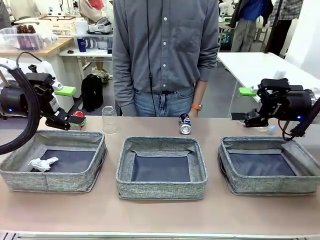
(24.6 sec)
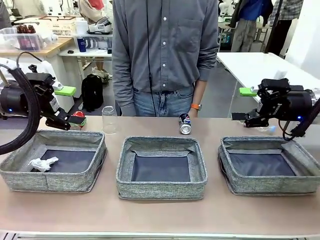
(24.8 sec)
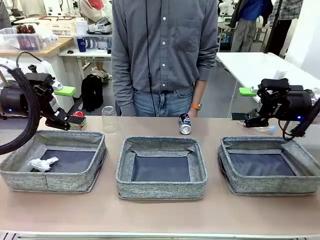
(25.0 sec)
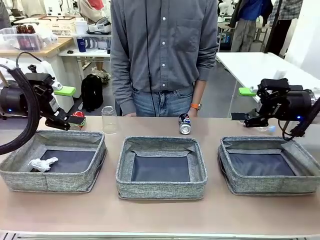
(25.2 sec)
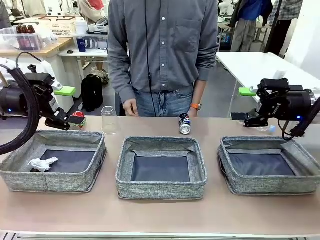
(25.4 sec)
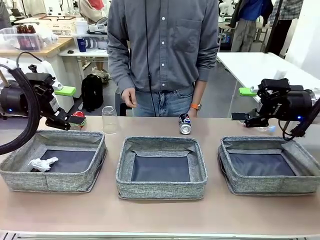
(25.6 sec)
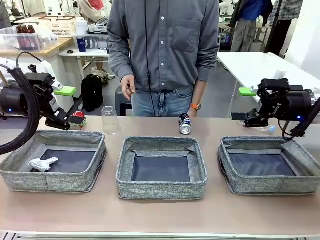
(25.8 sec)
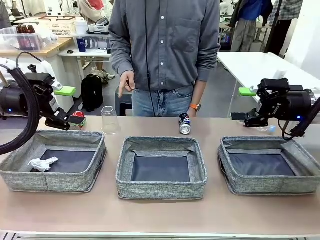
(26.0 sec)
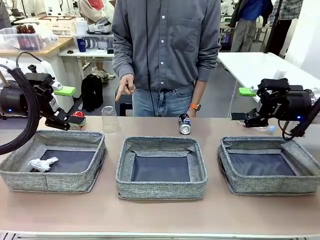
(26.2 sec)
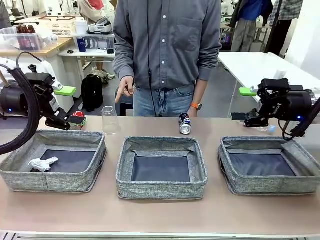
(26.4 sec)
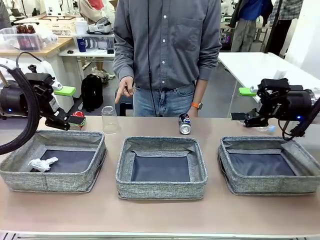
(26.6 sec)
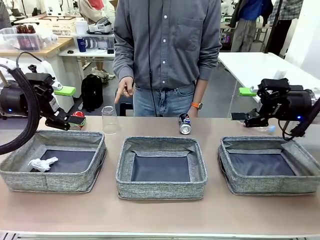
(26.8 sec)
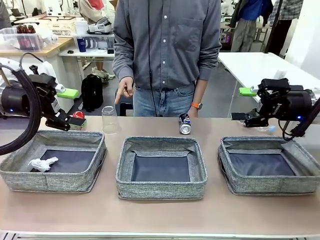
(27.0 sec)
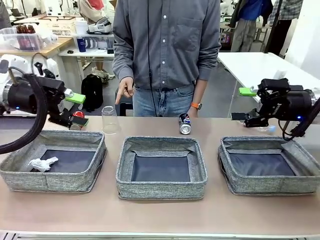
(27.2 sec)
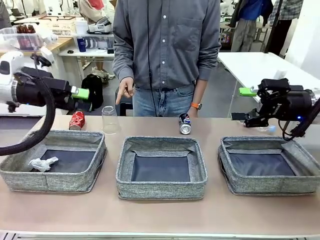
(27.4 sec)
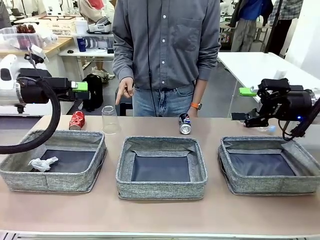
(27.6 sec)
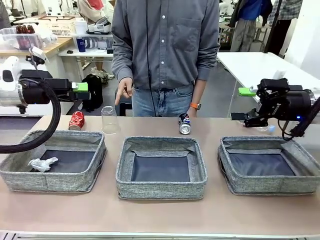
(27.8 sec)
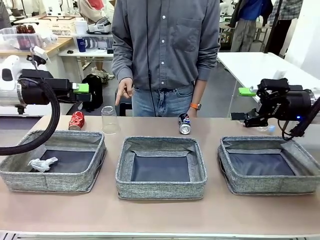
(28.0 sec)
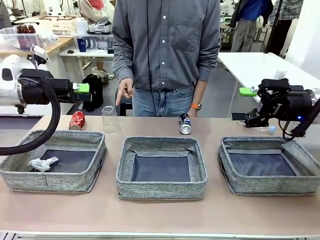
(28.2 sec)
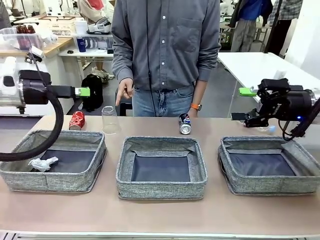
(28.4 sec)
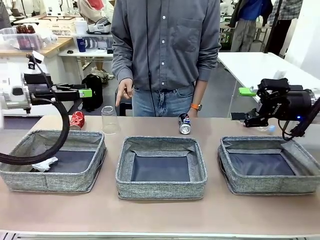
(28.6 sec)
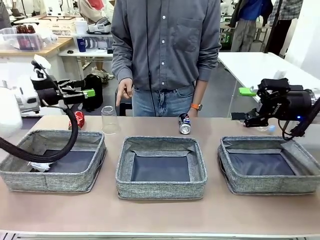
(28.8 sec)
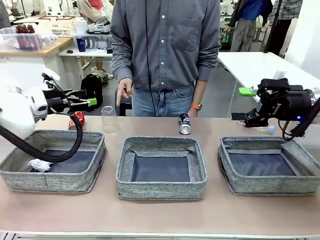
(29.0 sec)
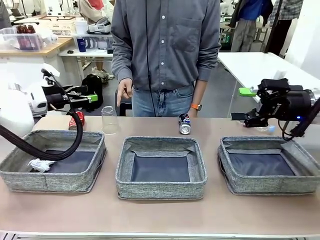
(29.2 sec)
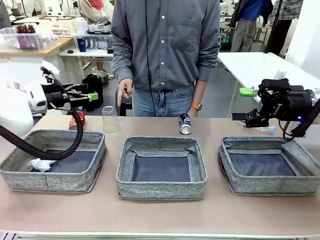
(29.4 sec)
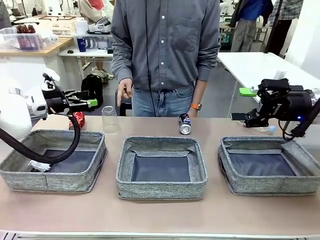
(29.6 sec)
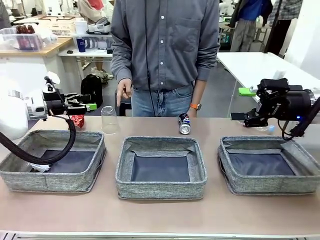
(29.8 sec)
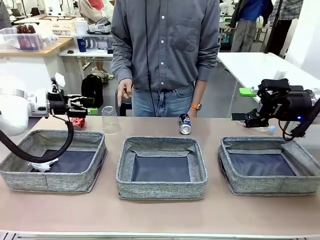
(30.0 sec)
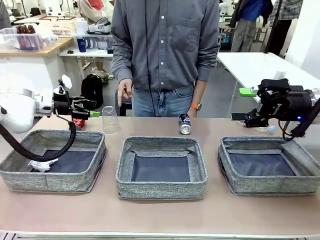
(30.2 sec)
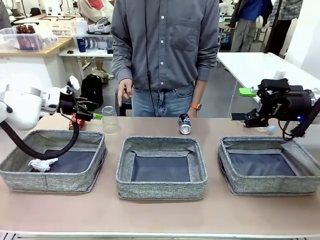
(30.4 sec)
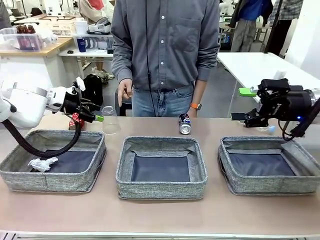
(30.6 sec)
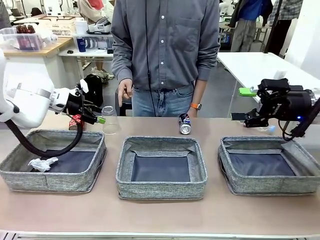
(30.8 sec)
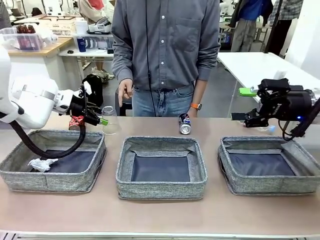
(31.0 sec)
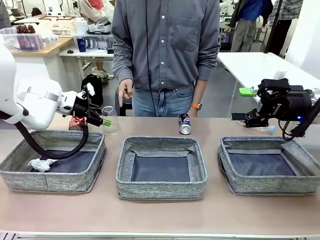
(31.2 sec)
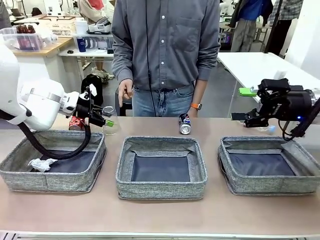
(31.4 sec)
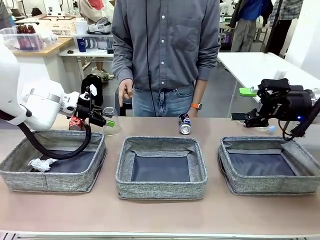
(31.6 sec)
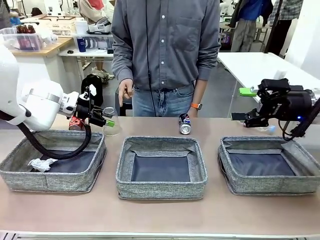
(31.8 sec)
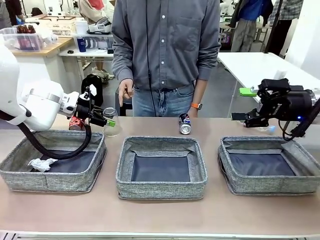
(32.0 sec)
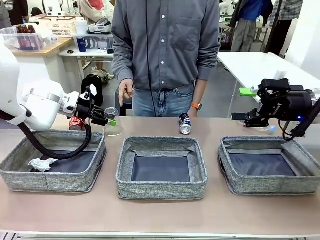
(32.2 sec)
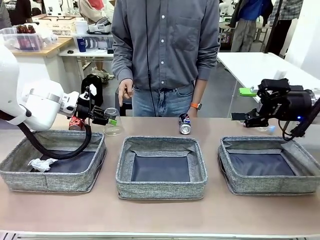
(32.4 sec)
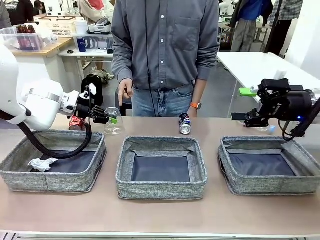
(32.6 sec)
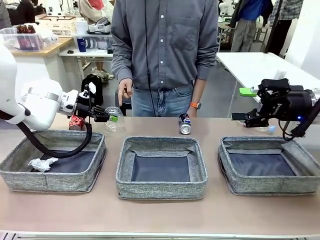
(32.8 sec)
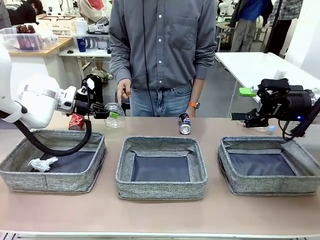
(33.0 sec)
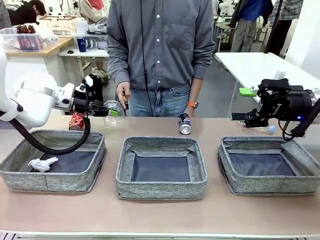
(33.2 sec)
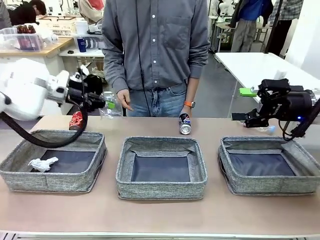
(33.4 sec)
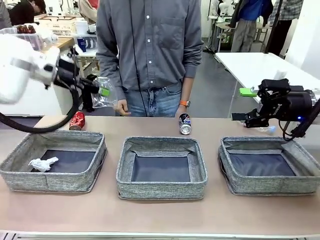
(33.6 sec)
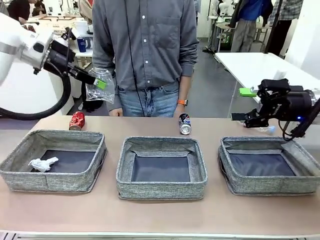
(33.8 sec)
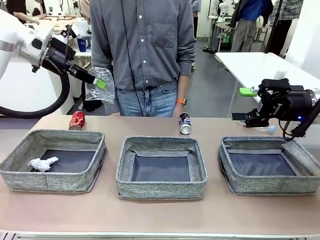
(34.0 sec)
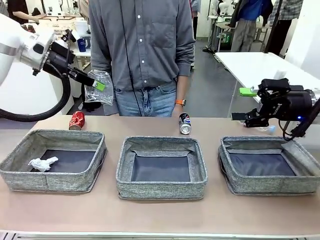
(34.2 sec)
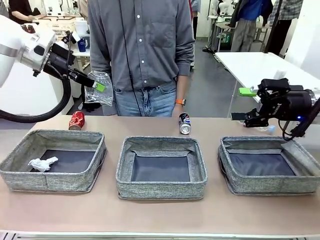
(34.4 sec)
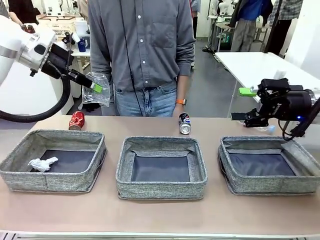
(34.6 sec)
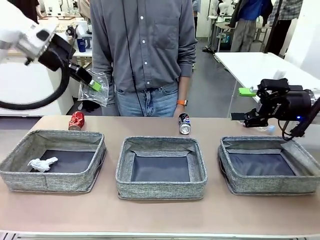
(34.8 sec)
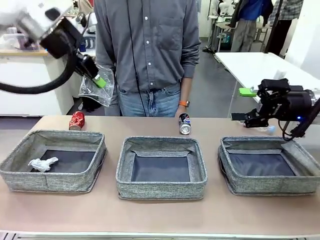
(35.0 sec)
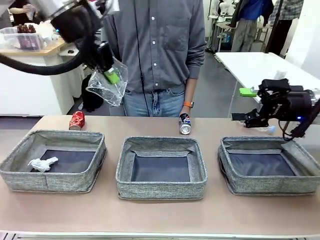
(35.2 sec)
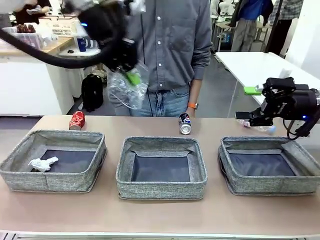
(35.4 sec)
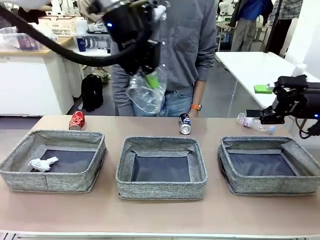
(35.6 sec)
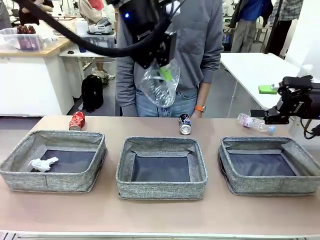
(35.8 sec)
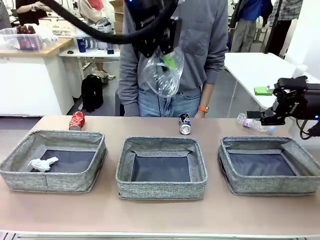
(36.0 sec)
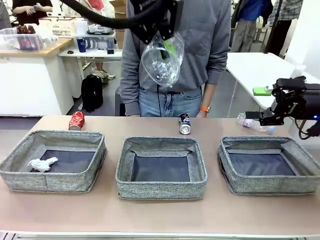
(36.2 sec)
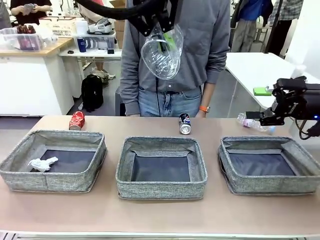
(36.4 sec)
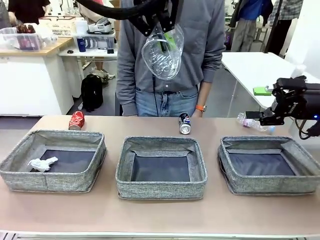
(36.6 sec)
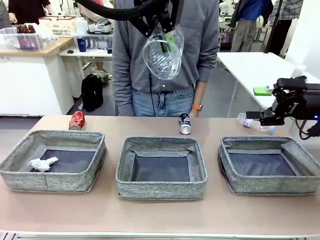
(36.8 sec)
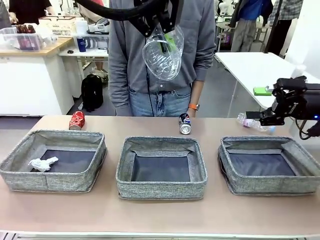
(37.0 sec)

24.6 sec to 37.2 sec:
Task: Sort the waste into the appropriate baskets.
Robot: Pick up the waste item pointed out by the person.
Person: Points to one piece of trash on the table.

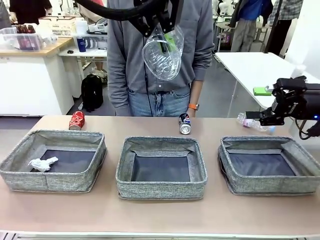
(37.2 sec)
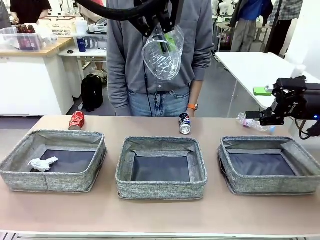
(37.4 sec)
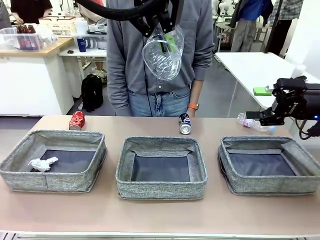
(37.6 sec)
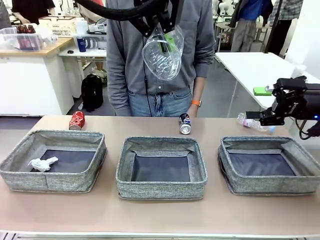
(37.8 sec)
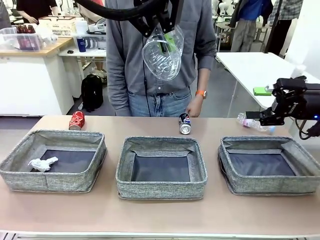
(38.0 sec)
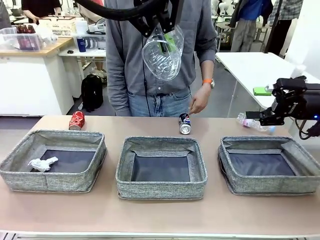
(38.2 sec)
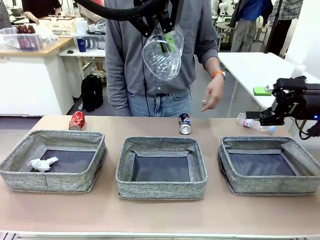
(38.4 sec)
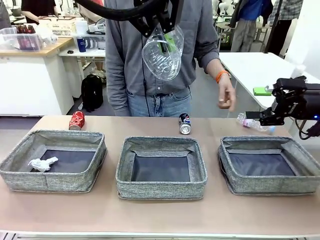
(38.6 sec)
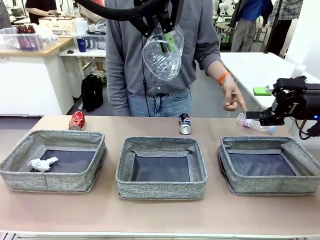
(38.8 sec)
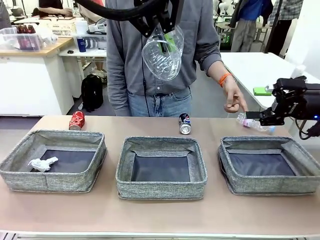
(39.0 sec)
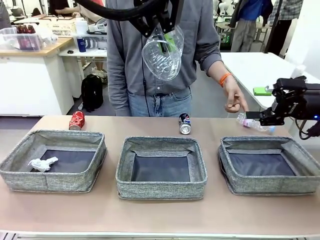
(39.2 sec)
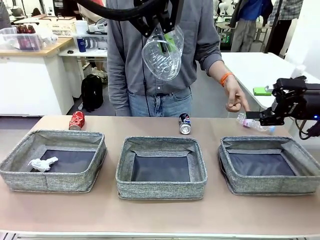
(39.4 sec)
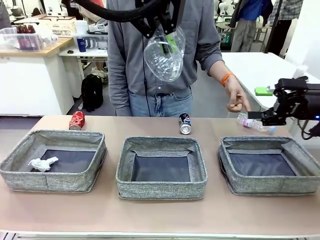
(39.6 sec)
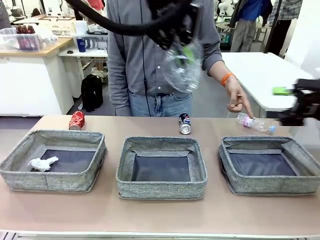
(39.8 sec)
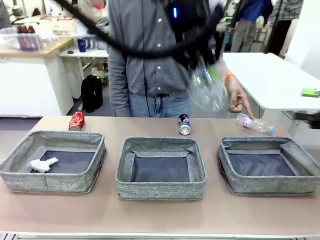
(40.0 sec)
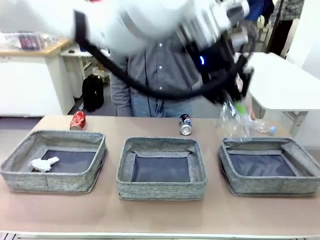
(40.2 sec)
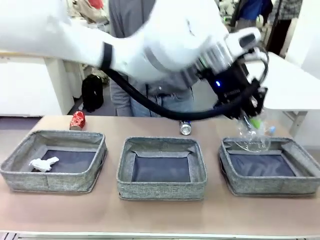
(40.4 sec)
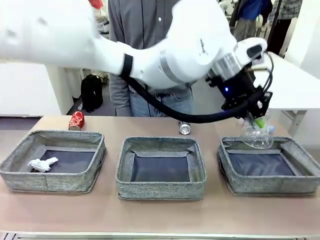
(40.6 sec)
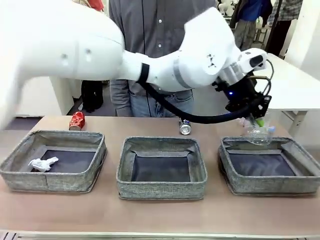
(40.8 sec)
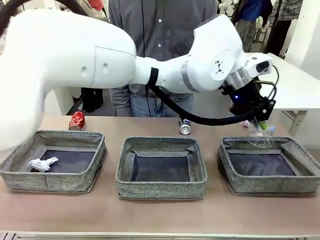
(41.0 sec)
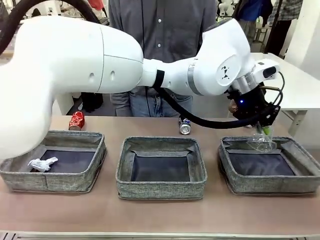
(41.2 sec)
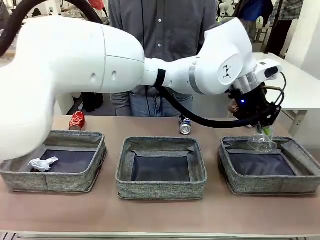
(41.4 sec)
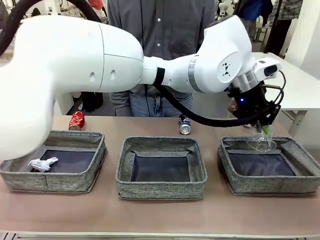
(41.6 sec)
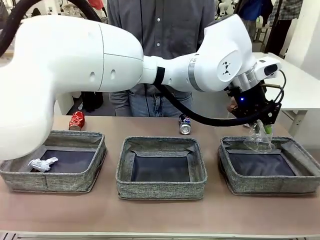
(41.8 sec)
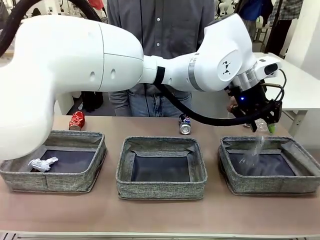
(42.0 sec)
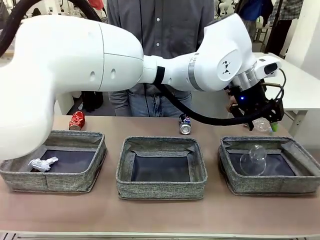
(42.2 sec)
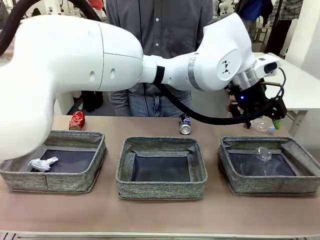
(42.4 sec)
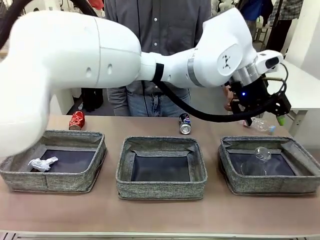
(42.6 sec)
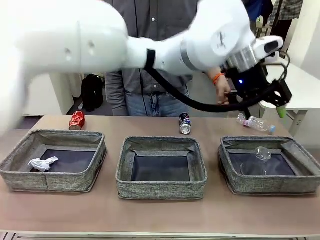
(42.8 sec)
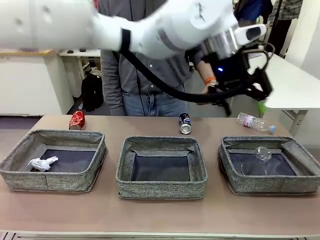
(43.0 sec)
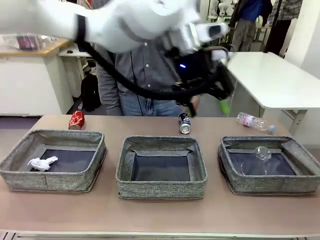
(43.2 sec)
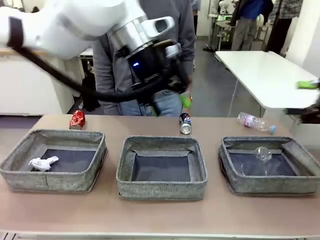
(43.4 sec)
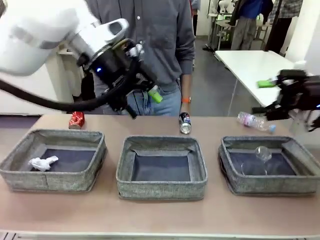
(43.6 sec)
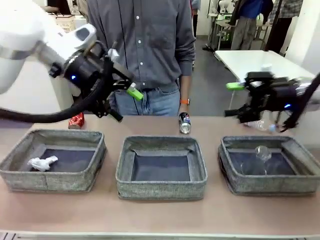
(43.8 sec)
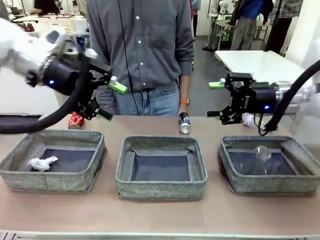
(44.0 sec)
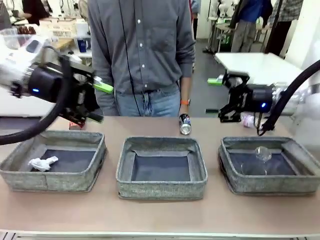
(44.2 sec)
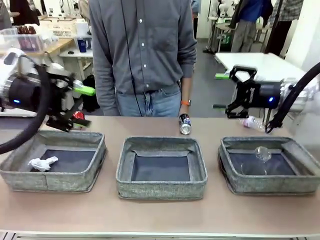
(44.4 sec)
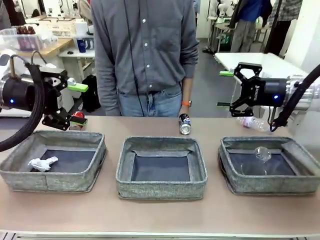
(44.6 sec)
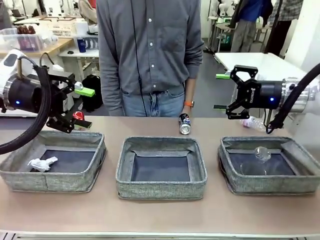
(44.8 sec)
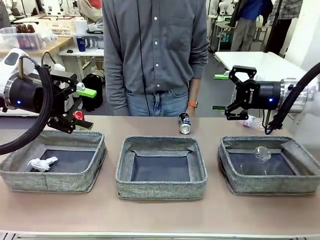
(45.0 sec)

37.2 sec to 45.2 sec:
Robot: Place the picked waste into the Fabric basket indicated by the person.
Person: Instructs the robot to place the picked-up trash into the appropriate organizing basket.
